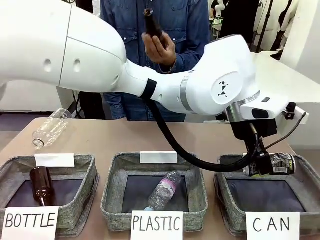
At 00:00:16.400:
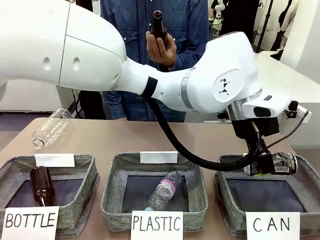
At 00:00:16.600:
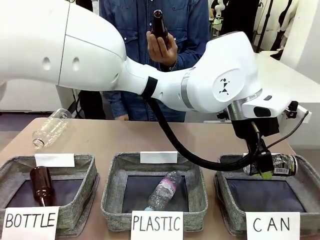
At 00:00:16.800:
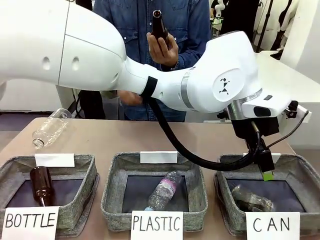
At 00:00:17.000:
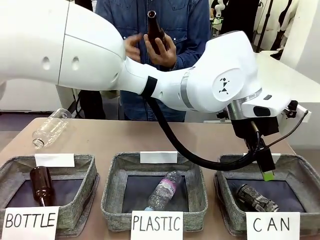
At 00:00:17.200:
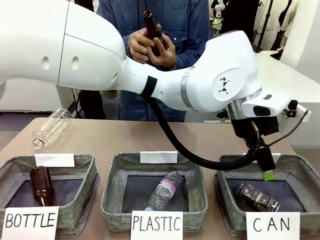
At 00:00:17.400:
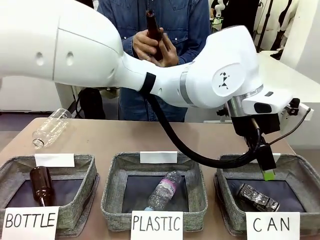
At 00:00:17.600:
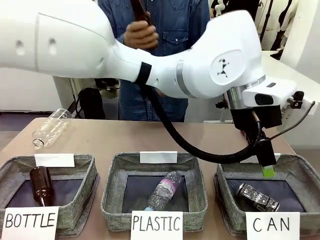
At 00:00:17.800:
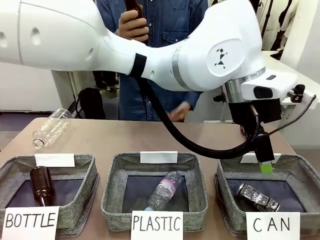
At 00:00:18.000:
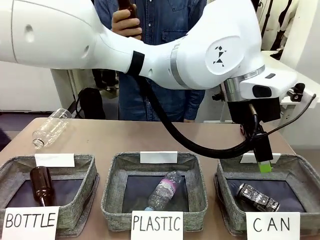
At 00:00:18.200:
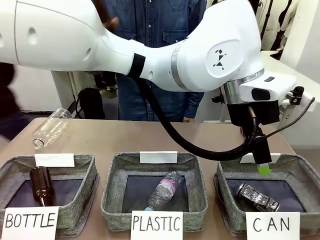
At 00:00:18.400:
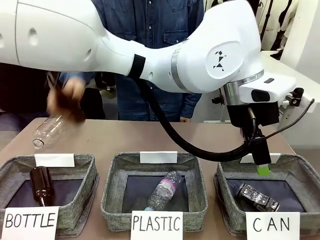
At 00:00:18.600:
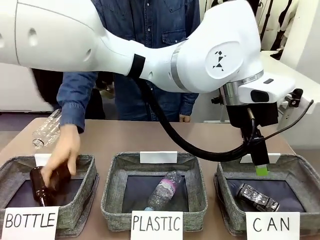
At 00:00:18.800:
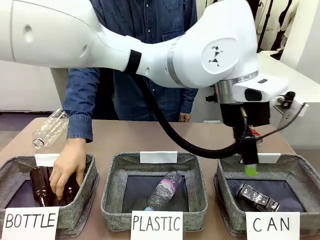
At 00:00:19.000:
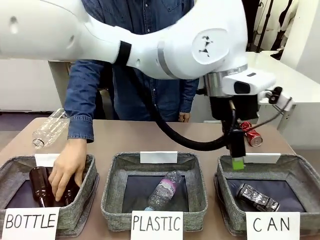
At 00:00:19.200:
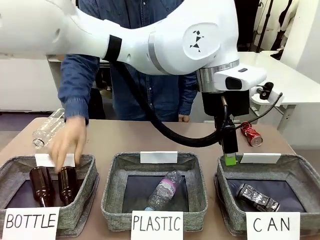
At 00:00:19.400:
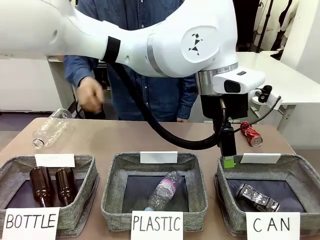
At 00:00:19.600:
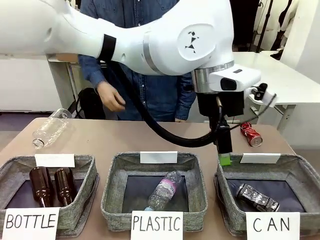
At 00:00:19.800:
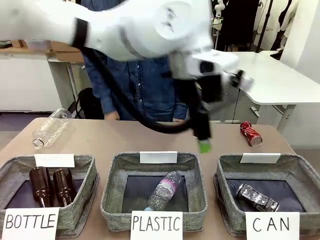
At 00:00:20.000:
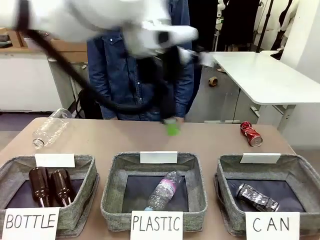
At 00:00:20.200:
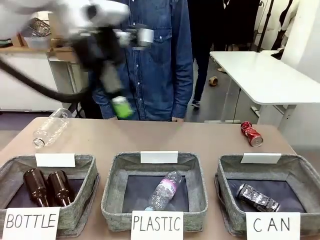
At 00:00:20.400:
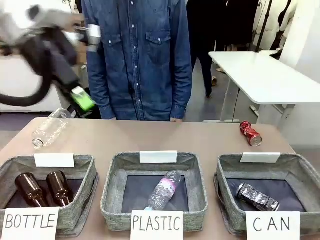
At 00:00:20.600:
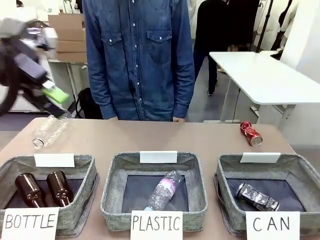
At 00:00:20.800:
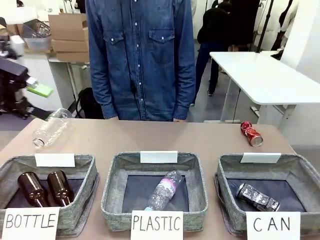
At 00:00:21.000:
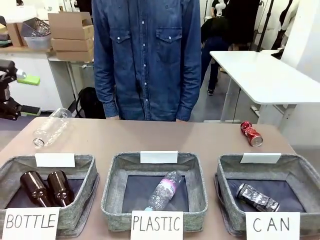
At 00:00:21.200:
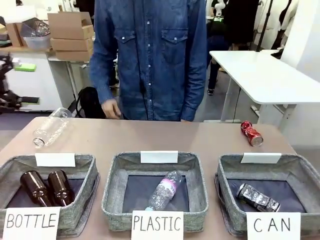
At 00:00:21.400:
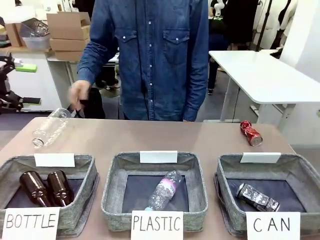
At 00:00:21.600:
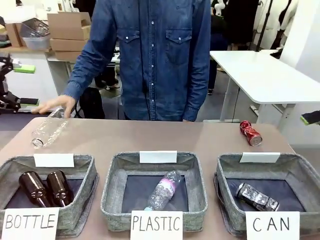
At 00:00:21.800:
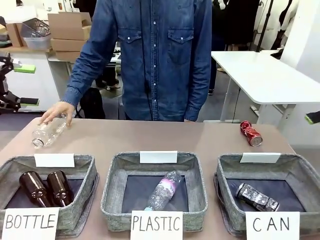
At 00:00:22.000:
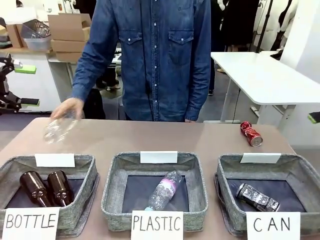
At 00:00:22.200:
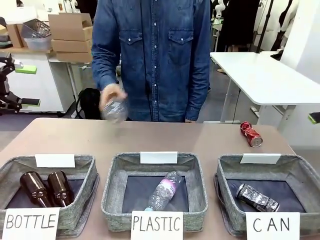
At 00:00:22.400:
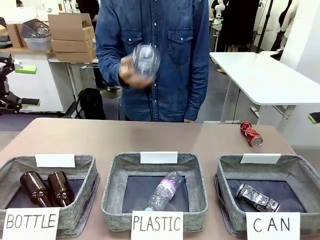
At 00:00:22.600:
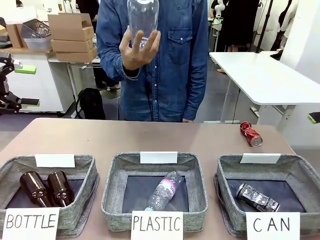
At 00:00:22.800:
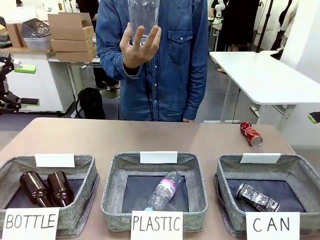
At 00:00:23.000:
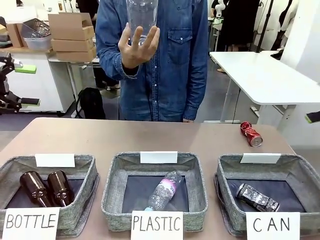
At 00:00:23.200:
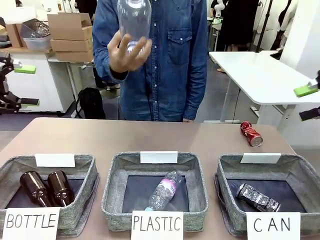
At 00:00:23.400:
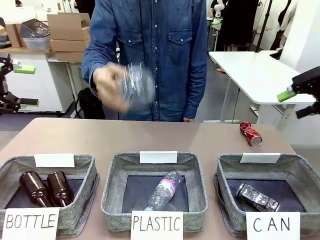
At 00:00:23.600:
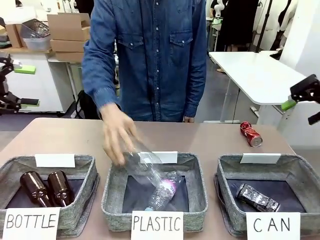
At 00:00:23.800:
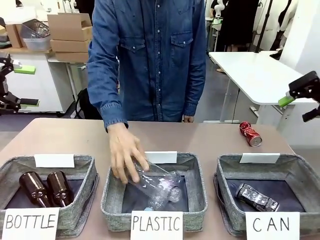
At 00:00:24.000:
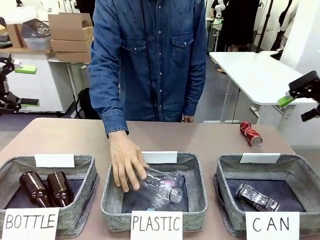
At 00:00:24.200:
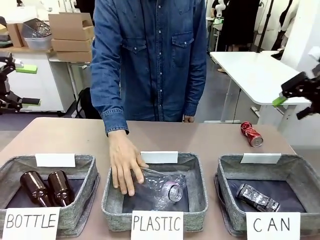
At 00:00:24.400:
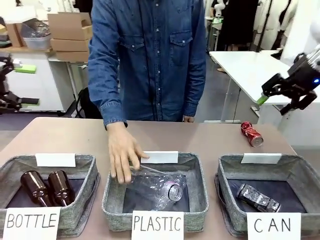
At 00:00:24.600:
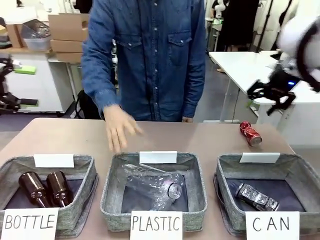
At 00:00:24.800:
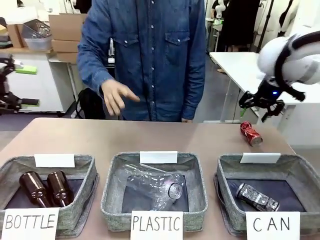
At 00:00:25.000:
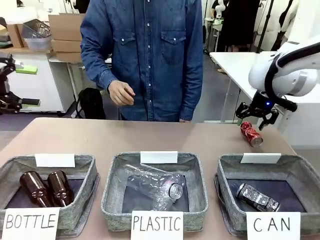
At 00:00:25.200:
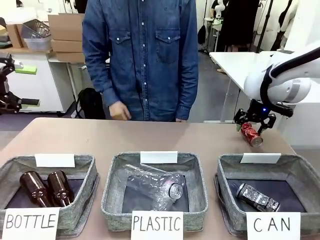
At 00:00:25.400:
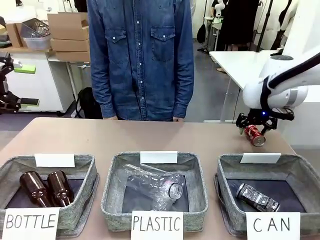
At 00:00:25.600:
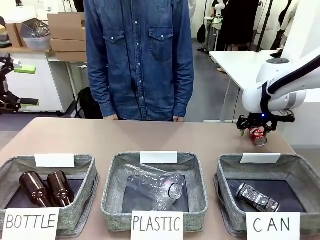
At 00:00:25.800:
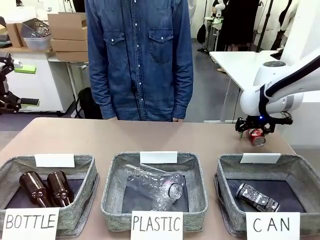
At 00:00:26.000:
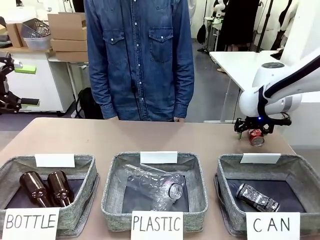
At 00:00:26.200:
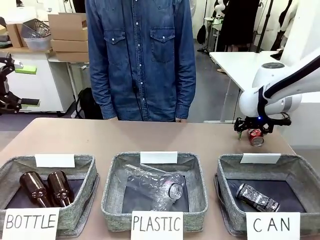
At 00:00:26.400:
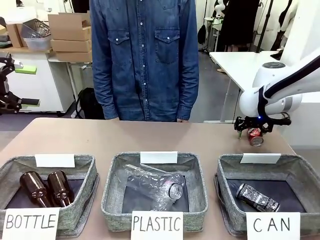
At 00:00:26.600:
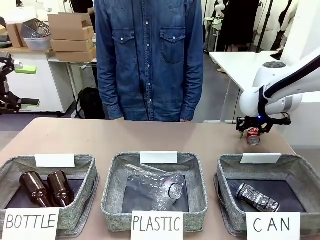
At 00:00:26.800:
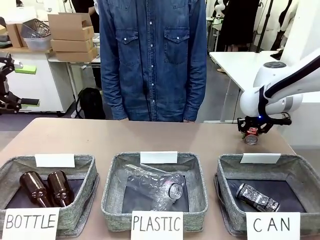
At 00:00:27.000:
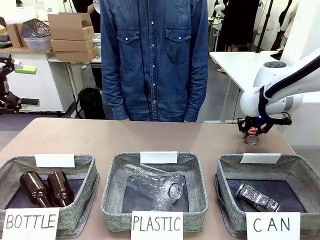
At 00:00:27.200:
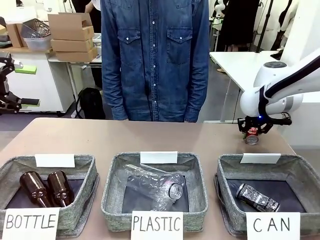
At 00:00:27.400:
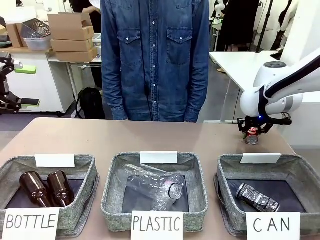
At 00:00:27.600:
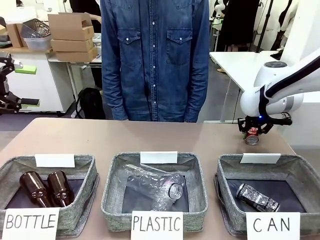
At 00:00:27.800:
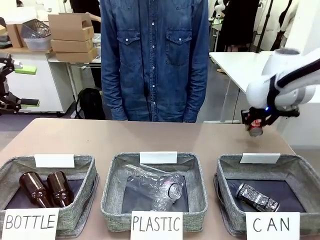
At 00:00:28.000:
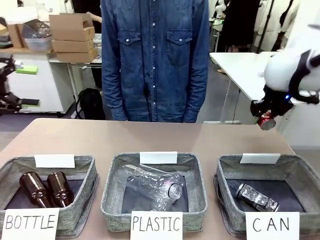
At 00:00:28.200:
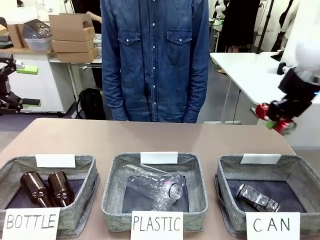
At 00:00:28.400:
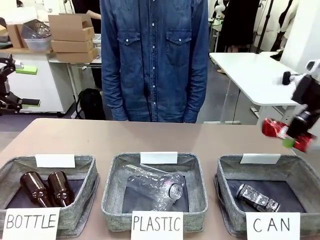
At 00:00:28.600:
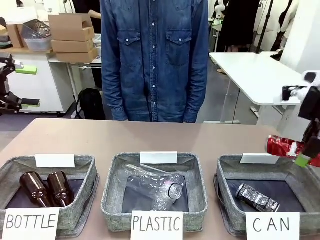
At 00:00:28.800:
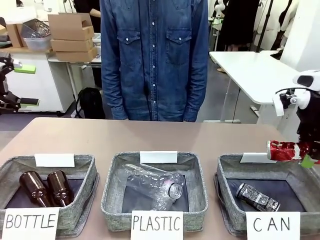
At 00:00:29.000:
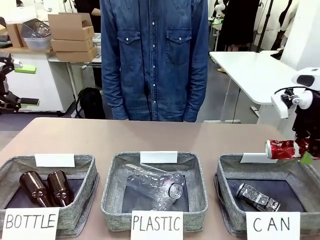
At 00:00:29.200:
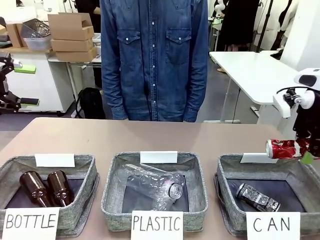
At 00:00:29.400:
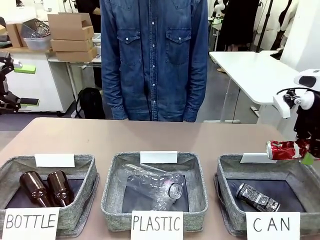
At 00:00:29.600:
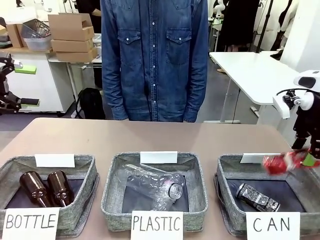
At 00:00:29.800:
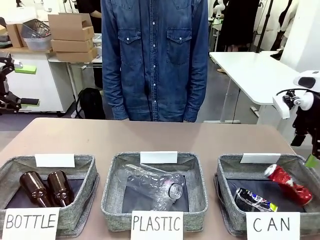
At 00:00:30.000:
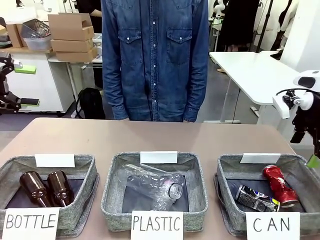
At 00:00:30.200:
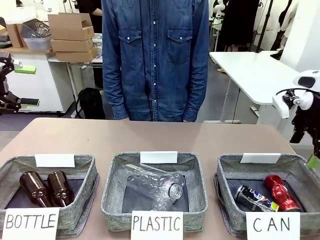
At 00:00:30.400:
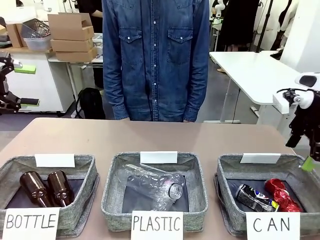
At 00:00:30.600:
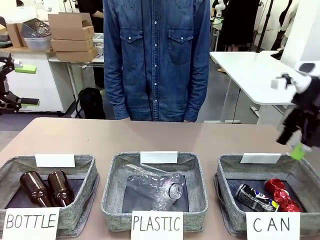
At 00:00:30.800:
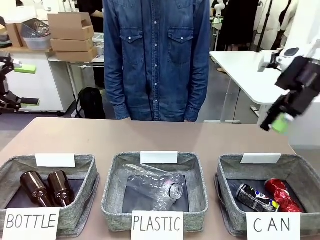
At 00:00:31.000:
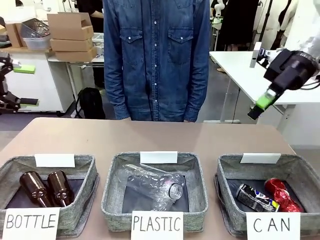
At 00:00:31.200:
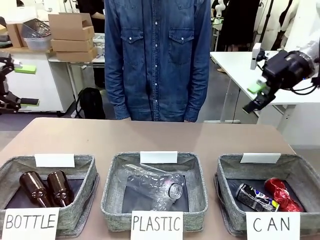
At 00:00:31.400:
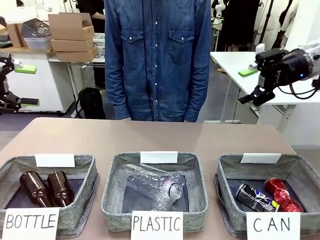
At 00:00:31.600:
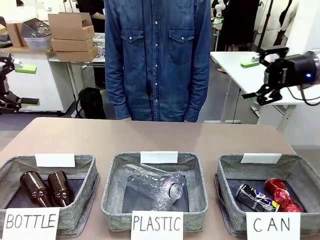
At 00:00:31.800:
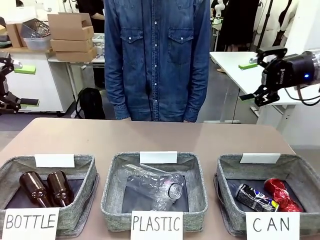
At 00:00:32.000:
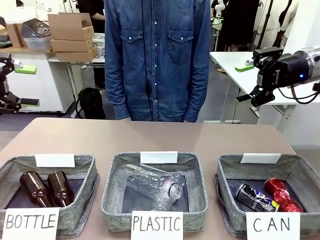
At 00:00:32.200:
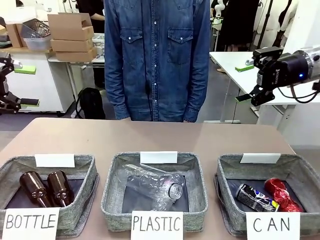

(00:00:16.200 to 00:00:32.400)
Task: Sort the can waste into the basket.
Robot: Pick up the can waste from the table and place it in the right Fabric basket.
